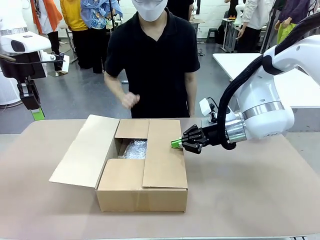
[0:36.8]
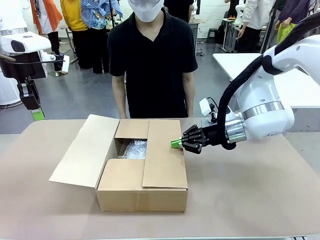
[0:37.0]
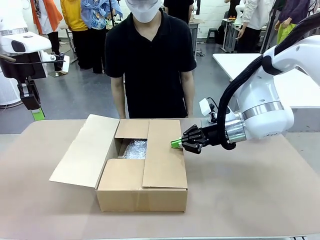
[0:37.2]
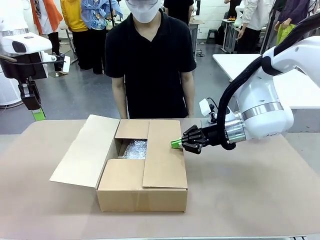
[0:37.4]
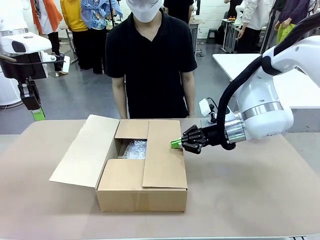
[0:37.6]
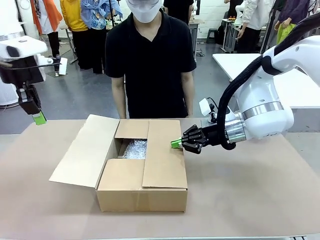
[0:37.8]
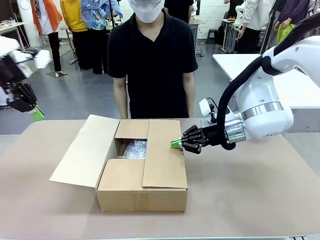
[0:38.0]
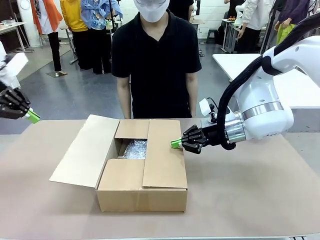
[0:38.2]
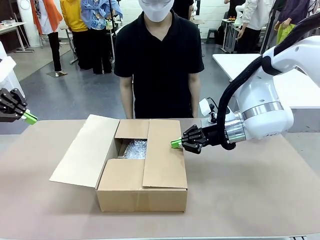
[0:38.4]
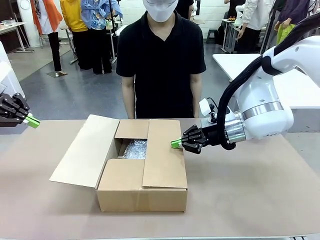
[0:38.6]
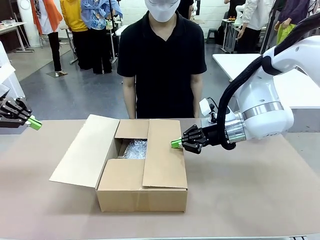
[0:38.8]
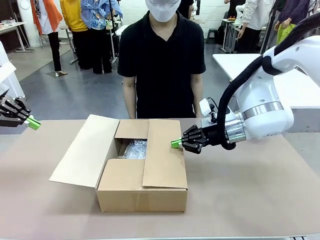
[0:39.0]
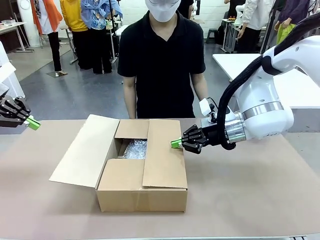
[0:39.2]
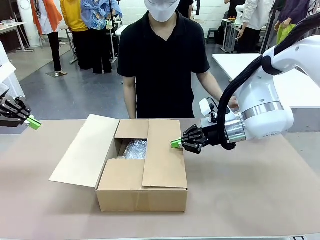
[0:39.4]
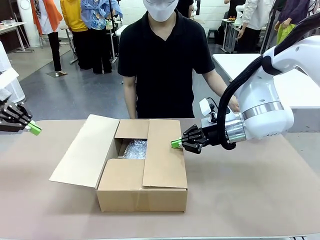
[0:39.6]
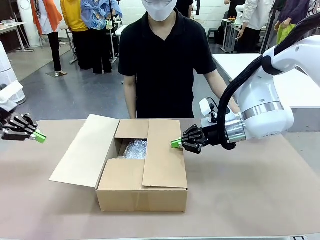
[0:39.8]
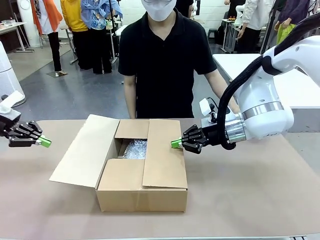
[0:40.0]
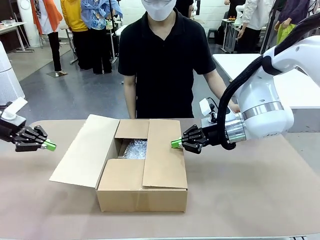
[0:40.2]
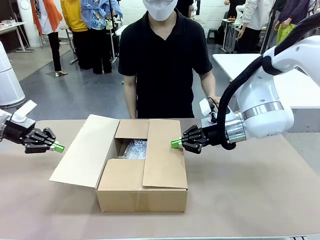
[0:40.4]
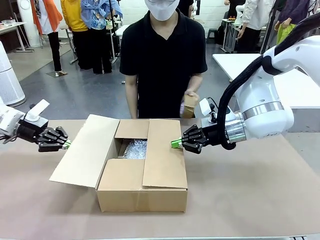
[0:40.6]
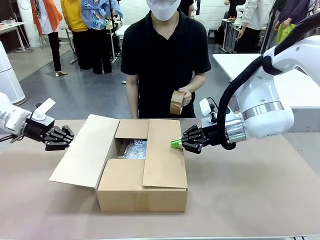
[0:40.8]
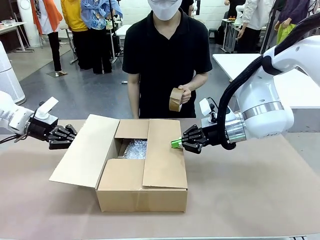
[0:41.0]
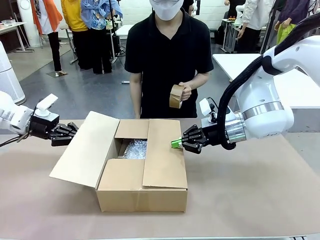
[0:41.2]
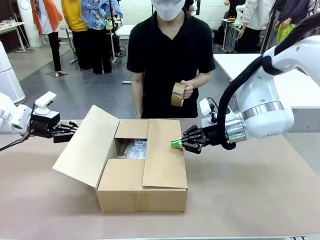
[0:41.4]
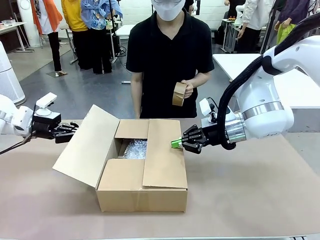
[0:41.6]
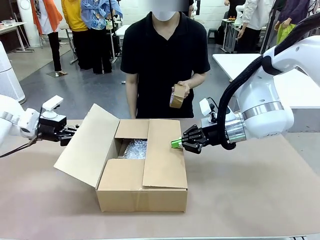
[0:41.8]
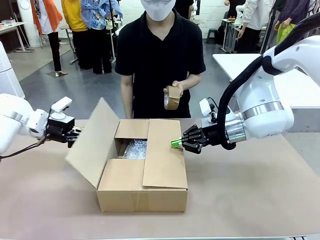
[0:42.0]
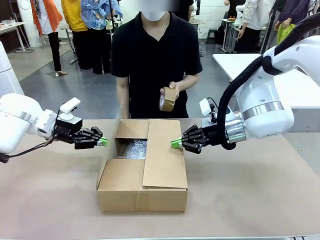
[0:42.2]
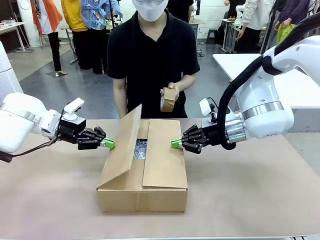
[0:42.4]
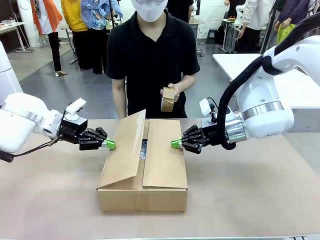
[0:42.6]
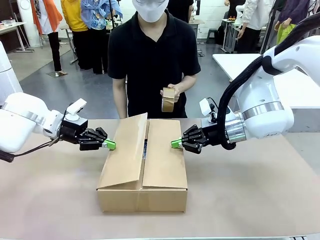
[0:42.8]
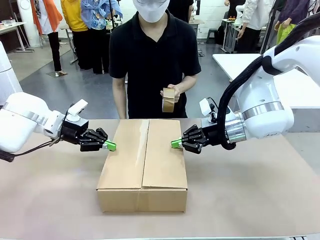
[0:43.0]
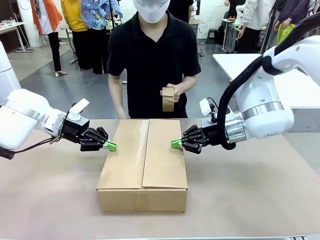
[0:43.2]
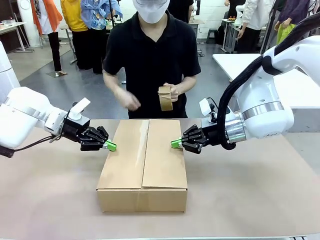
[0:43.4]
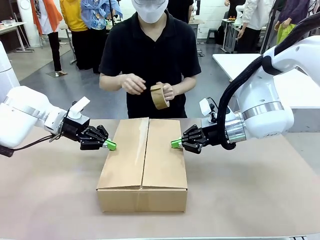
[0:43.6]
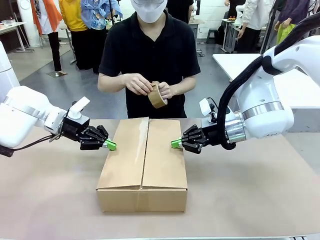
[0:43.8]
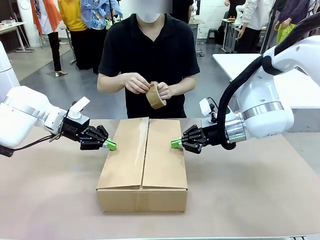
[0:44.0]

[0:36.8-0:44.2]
Task: Wrap the clocks to prevent damage.
Robot: Push the left (or right) flap of the Package Box to close it.

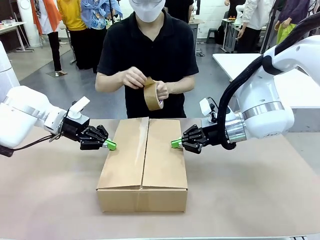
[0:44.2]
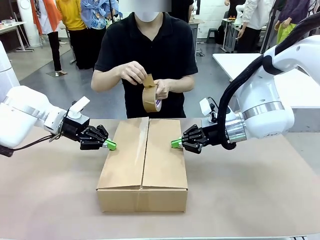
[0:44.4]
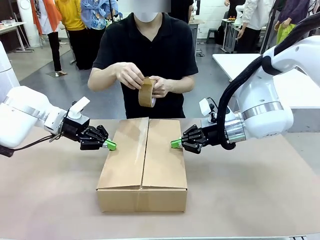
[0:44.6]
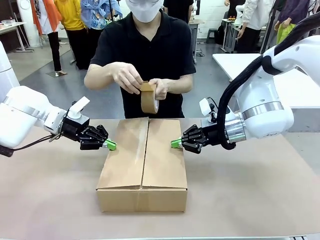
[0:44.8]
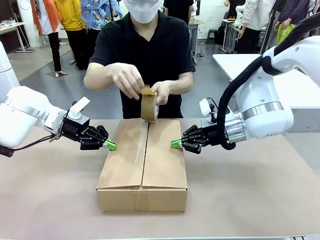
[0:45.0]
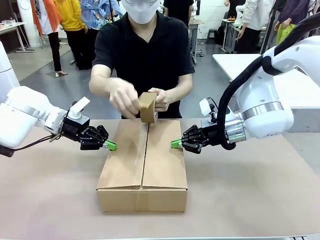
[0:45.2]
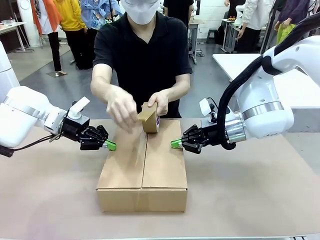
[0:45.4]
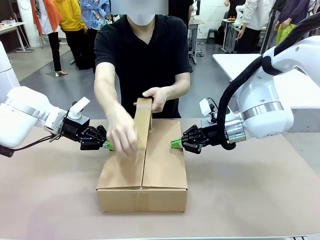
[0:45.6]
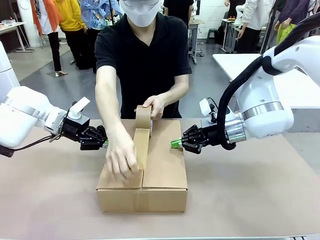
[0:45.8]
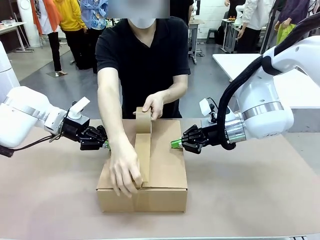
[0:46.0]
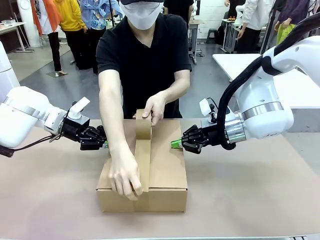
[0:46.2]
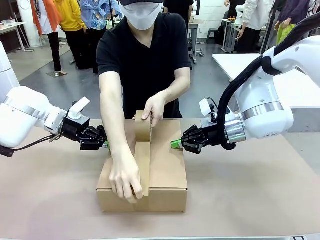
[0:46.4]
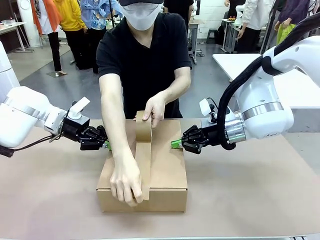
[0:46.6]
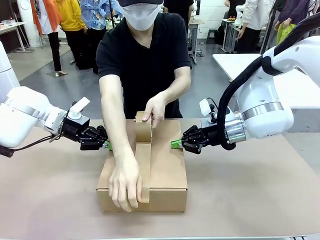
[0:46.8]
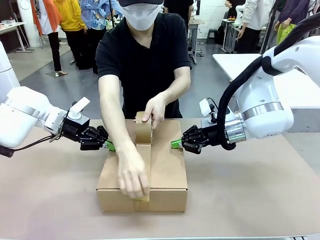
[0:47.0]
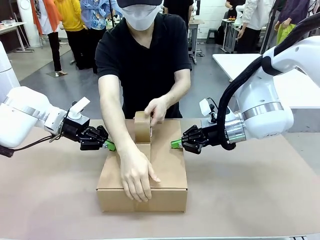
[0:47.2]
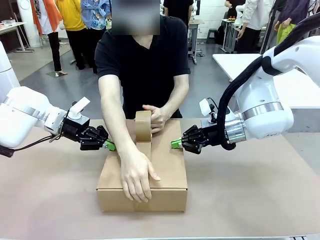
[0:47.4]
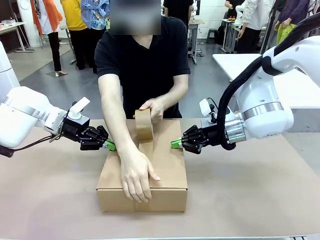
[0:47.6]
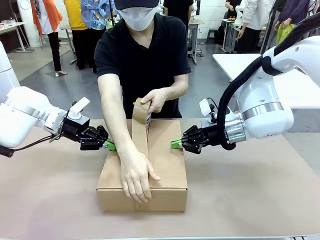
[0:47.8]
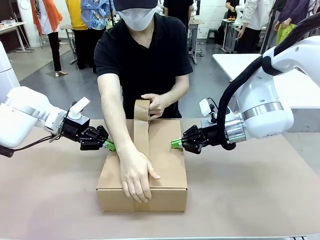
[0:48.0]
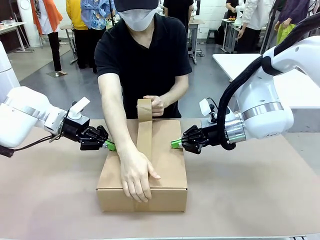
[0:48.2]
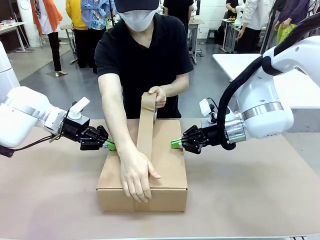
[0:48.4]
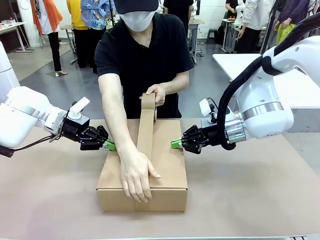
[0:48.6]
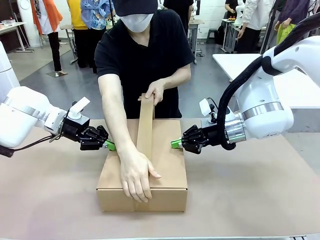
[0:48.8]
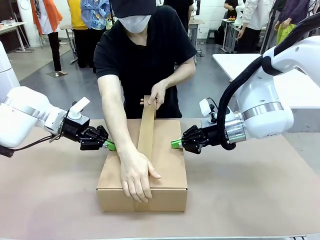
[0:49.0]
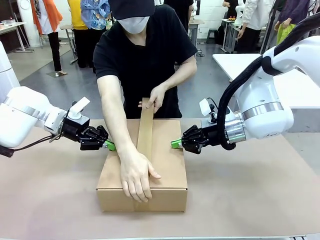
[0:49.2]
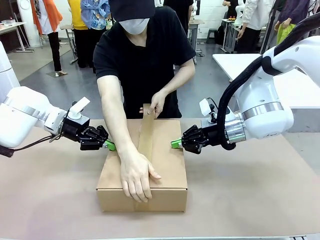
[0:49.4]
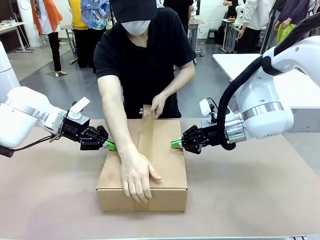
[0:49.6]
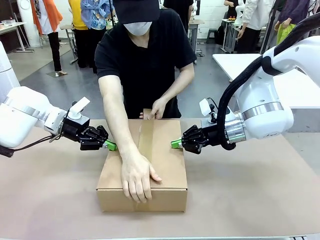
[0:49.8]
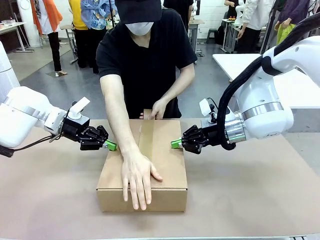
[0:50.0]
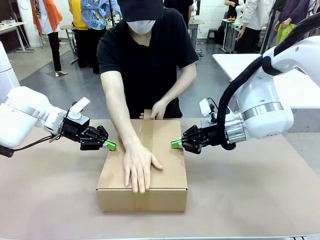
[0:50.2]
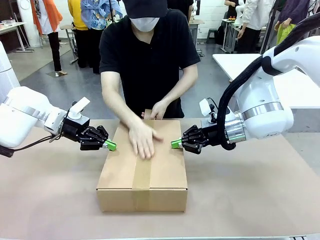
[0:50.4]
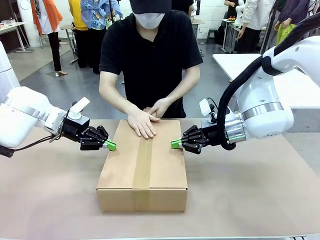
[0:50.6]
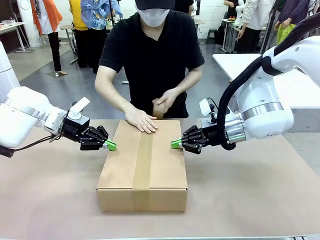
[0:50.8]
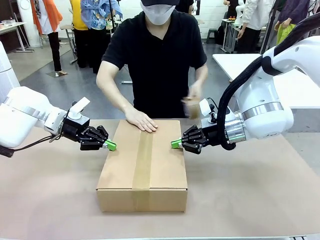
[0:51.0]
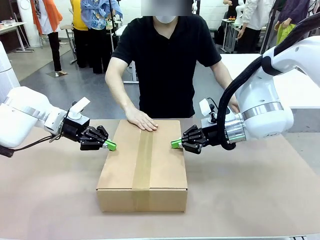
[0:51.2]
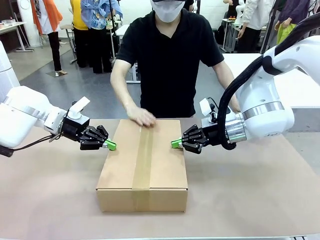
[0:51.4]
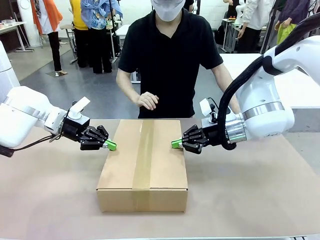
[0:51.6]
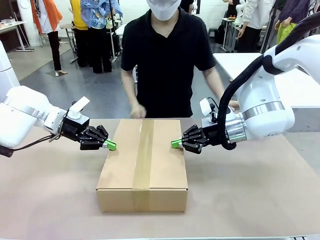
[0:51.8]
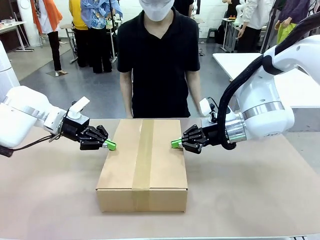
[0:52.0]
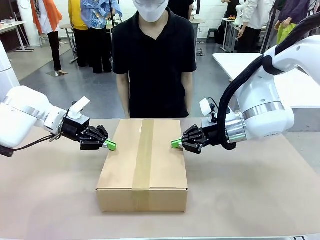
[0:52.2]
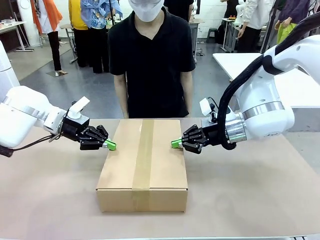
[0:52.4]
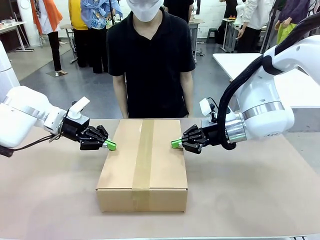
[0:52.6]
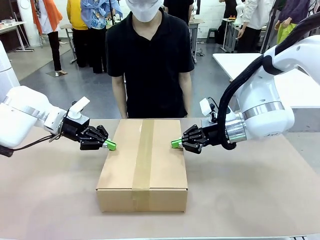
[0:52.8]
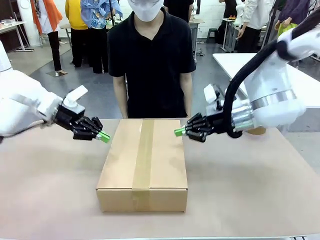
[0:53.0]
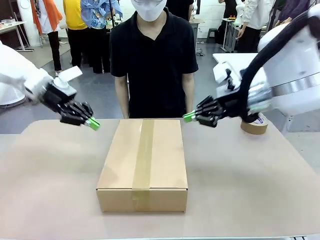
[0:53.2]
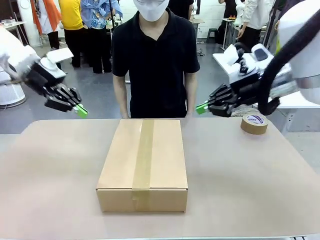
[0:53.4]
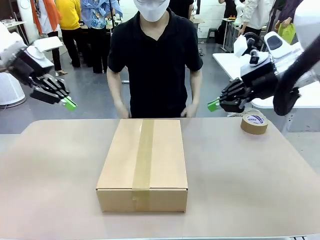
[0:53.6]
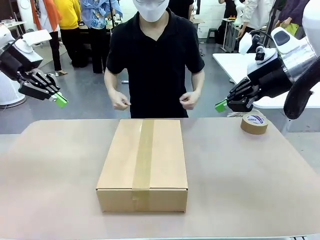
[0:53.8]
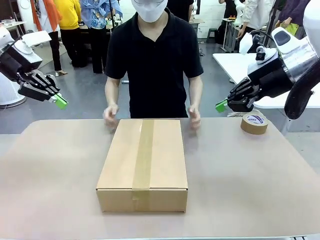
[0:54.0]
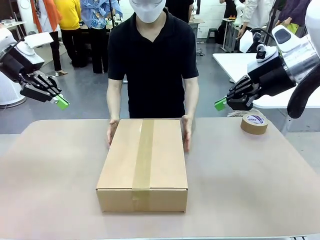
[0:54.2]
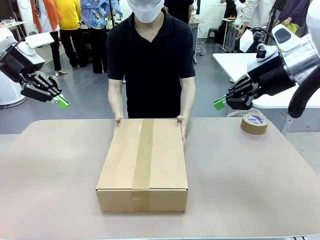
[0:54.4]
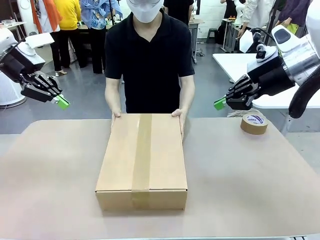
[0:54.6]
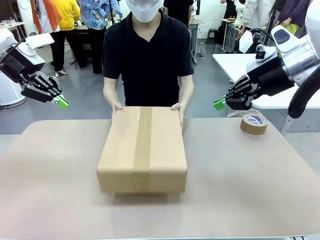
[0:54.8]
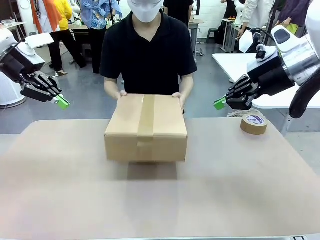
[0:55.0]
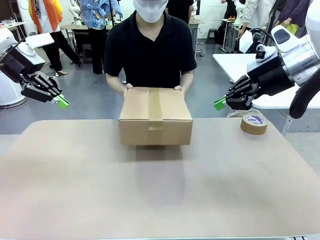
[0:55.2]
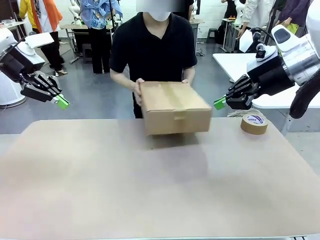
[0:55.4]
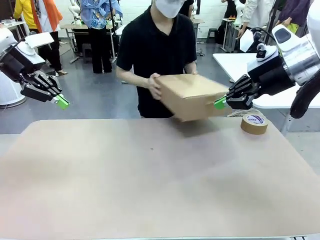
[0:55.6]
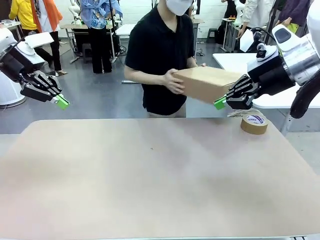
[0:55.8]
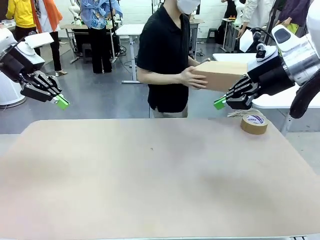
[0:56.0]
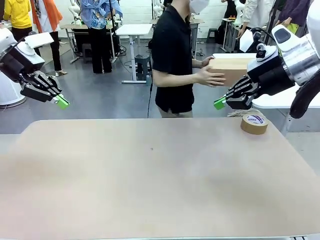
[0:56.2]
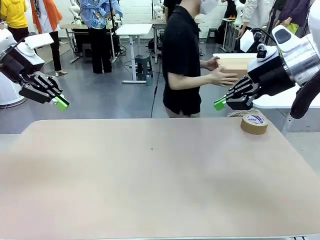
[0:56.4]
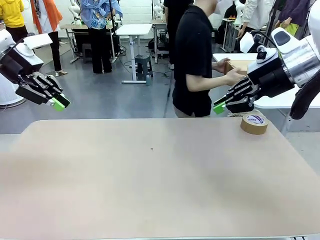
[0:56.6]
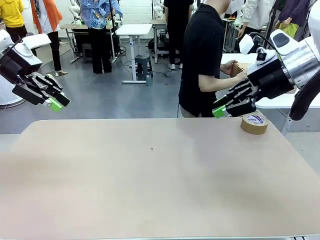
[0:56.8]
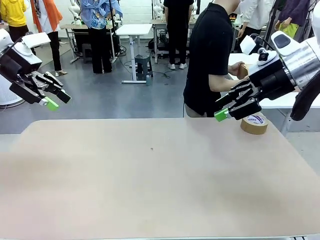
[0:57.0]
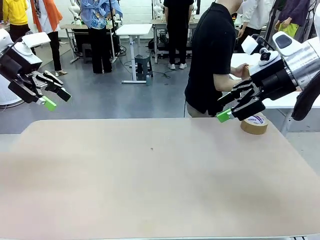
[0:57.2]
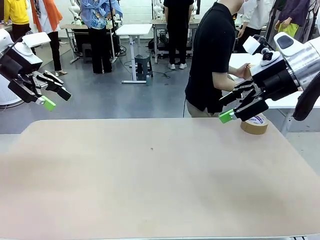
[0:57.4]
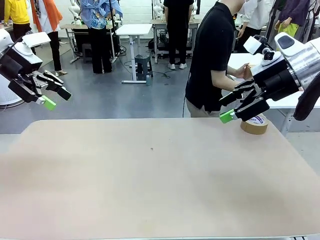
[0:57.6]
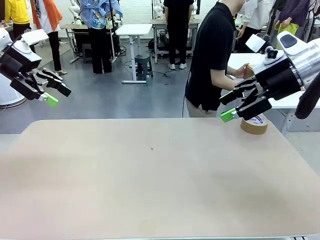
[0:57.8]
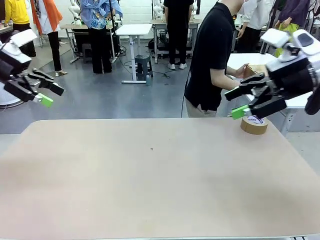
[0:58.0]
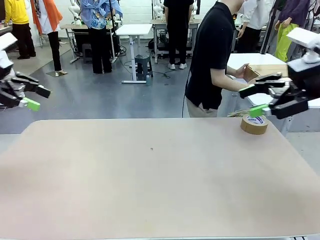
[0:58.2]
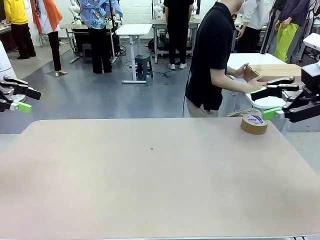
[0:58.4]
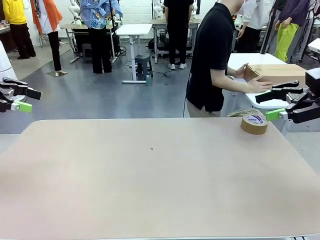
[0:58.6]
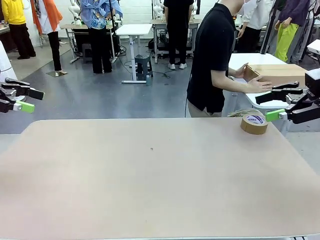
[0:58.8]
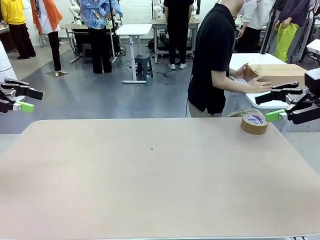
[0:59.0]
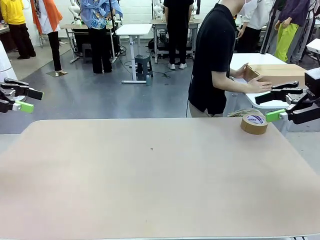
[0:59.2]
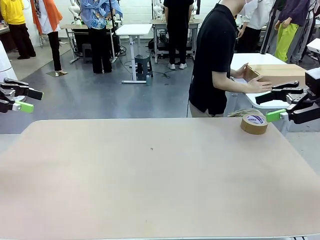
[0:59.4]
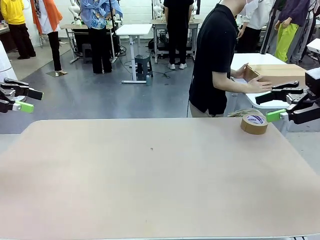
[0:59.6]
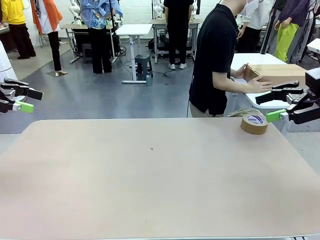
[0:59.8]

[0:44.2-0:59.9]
Robot: After the human seals the box with tape, release both hands from the side flaps of the Package Box.
Person: Once the robot closes the left flap of the Package Box , seal the box with Paper Tape. Place sealed Package Box in the middle of the human's table.
